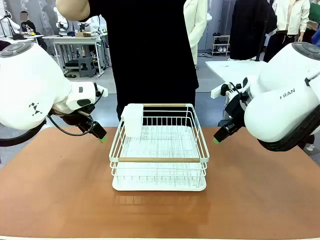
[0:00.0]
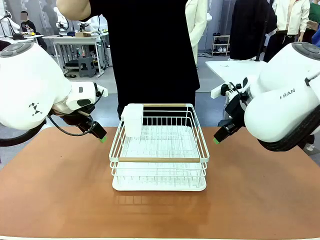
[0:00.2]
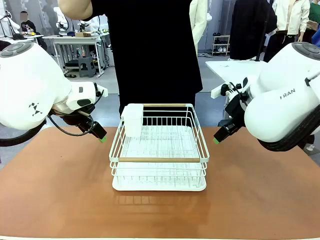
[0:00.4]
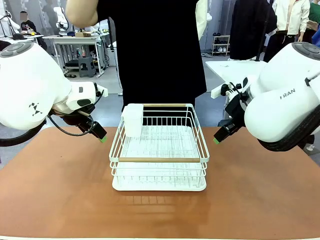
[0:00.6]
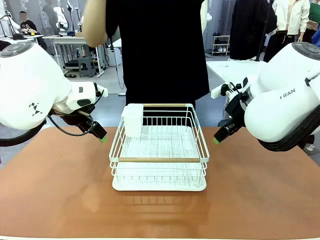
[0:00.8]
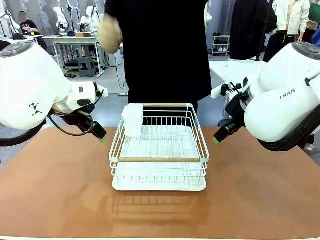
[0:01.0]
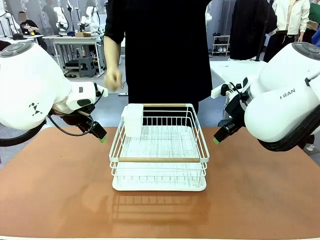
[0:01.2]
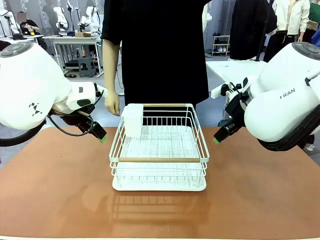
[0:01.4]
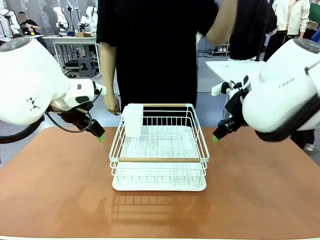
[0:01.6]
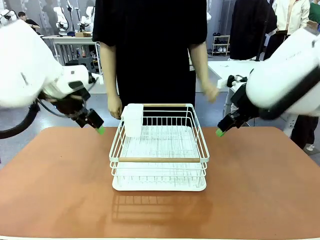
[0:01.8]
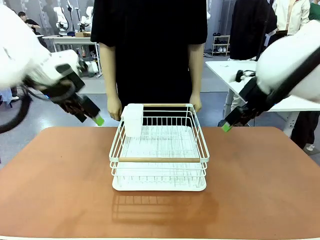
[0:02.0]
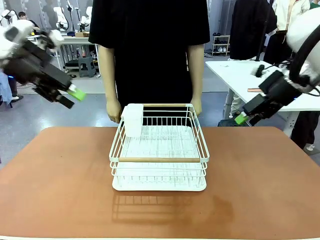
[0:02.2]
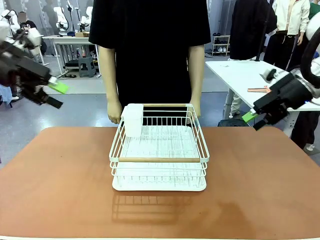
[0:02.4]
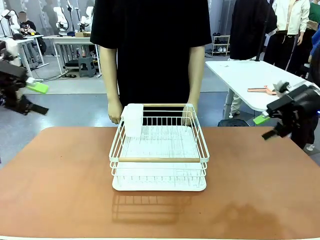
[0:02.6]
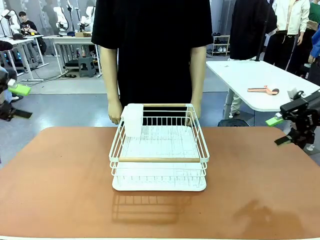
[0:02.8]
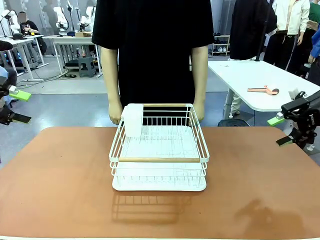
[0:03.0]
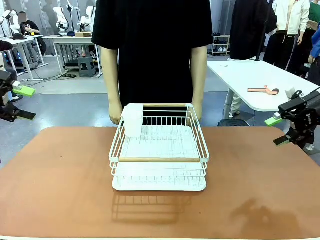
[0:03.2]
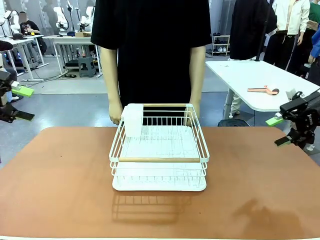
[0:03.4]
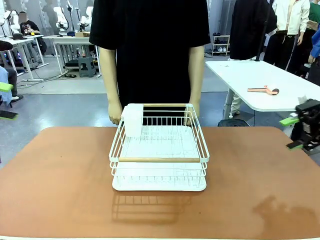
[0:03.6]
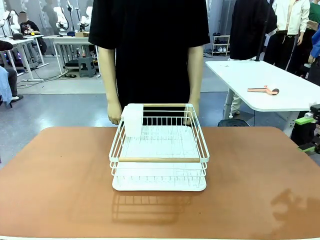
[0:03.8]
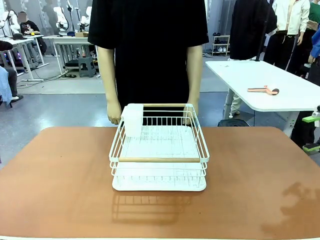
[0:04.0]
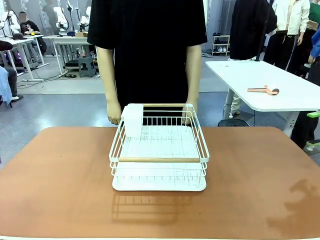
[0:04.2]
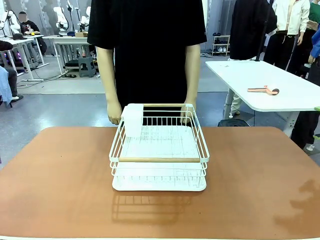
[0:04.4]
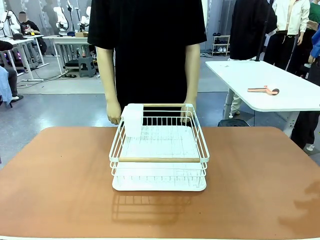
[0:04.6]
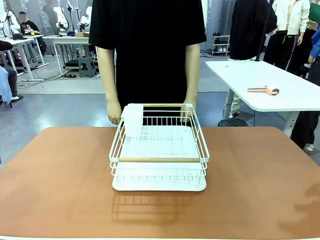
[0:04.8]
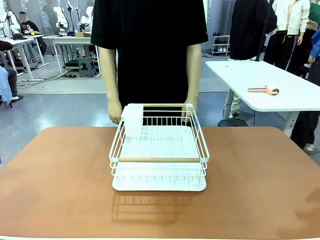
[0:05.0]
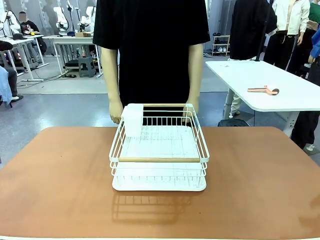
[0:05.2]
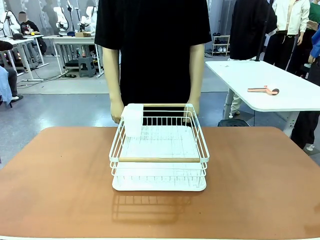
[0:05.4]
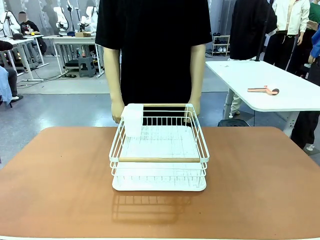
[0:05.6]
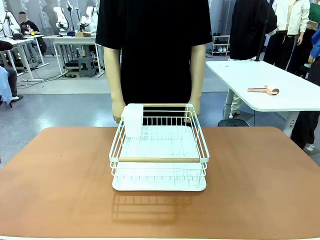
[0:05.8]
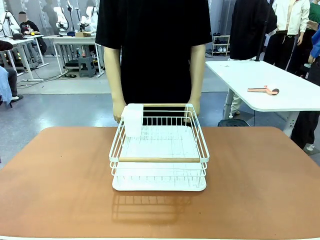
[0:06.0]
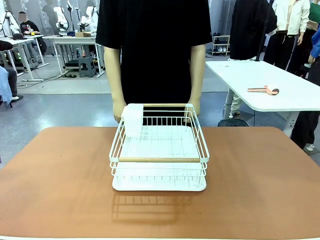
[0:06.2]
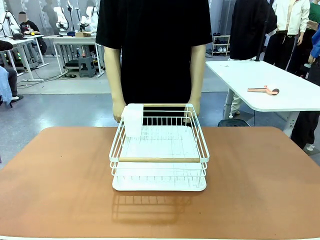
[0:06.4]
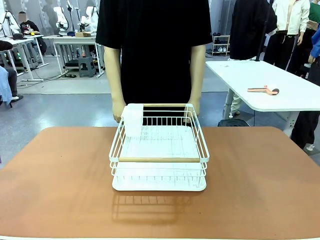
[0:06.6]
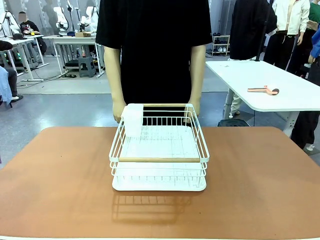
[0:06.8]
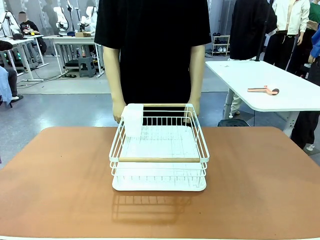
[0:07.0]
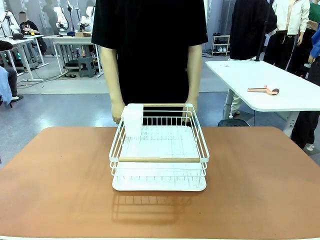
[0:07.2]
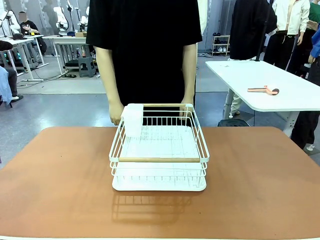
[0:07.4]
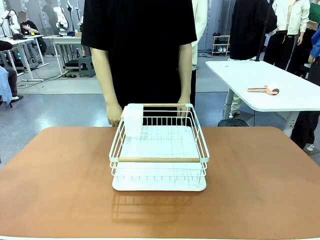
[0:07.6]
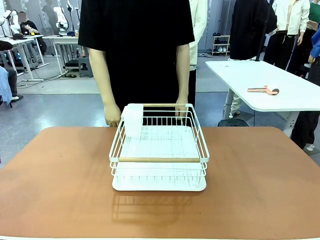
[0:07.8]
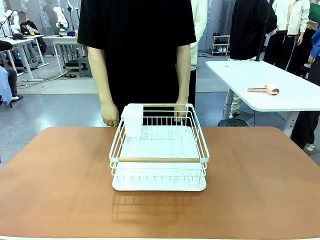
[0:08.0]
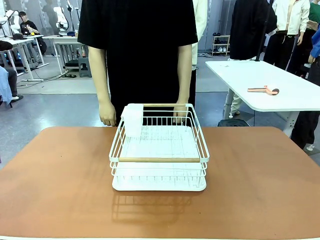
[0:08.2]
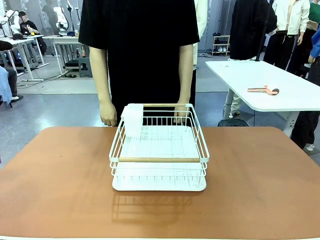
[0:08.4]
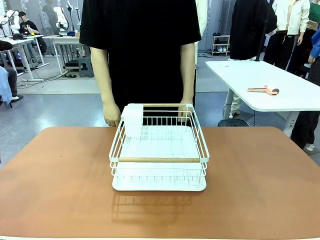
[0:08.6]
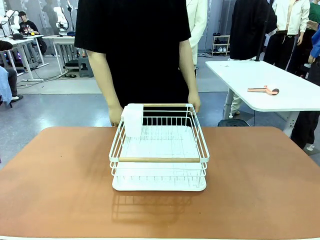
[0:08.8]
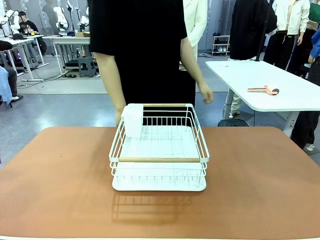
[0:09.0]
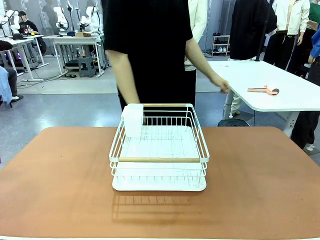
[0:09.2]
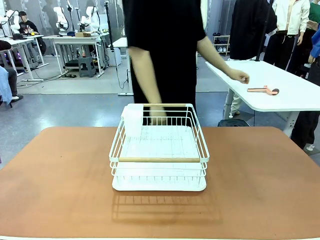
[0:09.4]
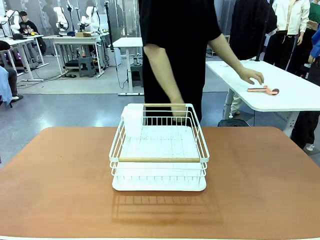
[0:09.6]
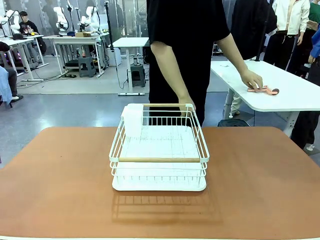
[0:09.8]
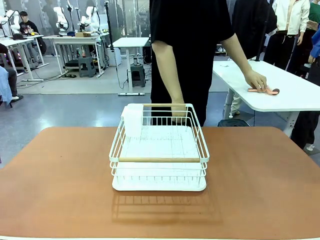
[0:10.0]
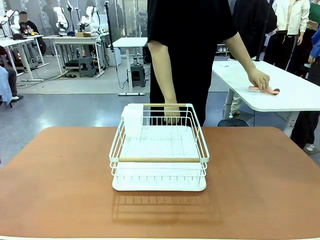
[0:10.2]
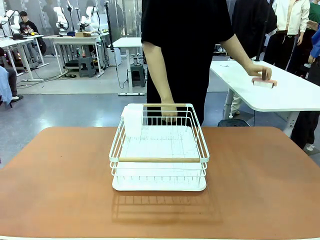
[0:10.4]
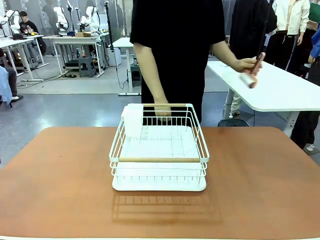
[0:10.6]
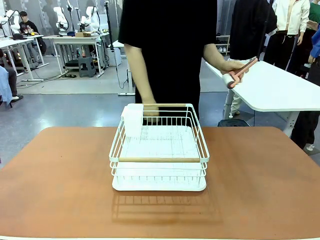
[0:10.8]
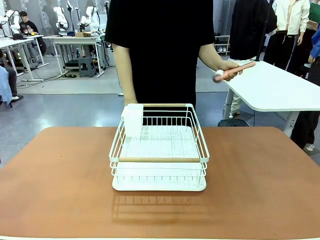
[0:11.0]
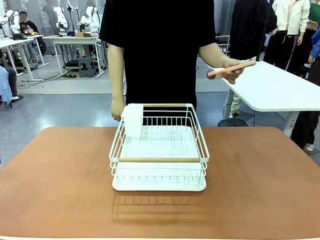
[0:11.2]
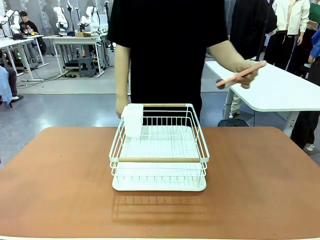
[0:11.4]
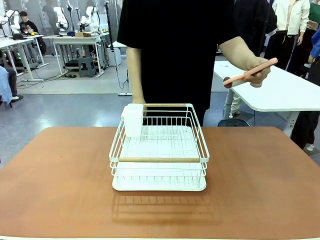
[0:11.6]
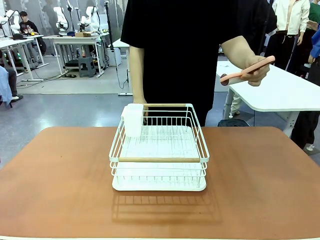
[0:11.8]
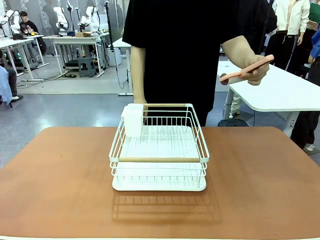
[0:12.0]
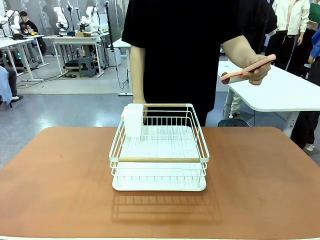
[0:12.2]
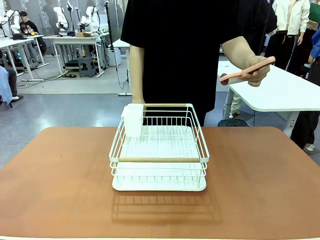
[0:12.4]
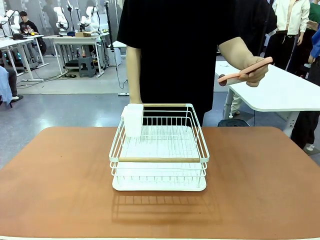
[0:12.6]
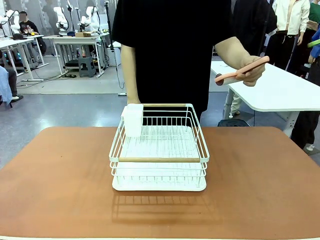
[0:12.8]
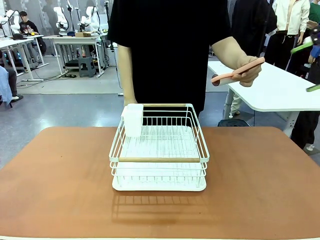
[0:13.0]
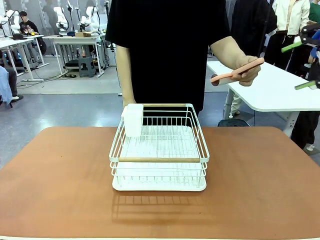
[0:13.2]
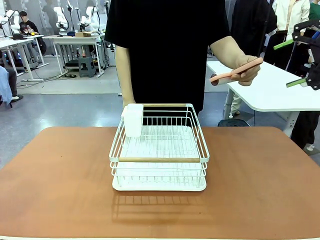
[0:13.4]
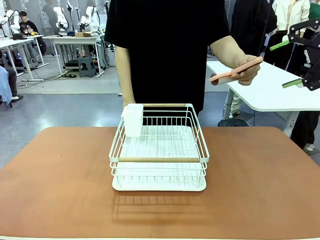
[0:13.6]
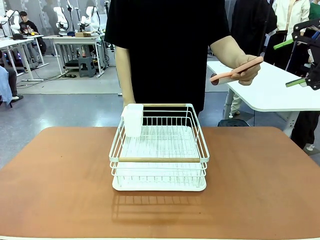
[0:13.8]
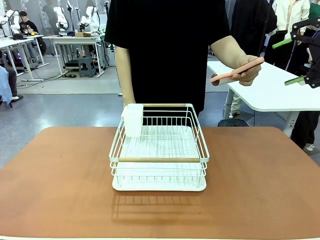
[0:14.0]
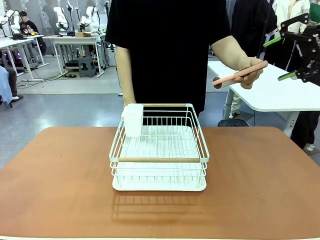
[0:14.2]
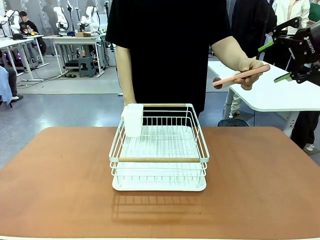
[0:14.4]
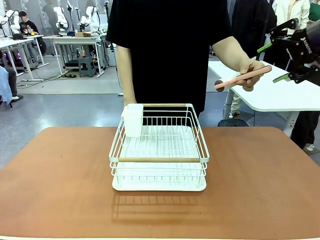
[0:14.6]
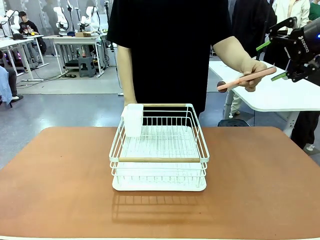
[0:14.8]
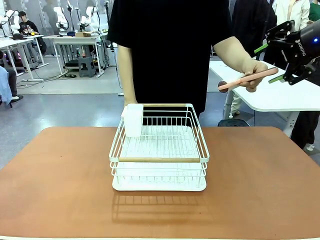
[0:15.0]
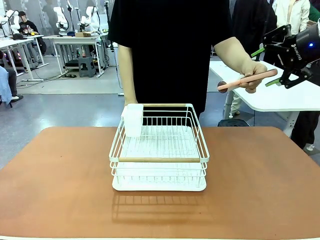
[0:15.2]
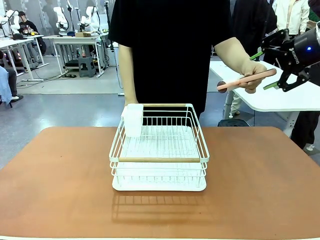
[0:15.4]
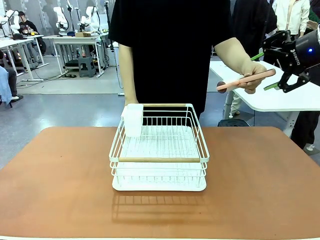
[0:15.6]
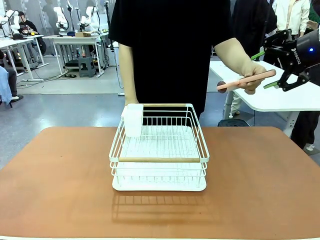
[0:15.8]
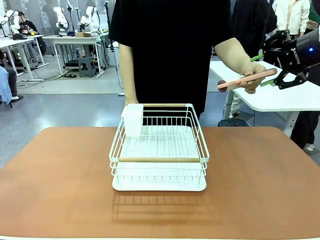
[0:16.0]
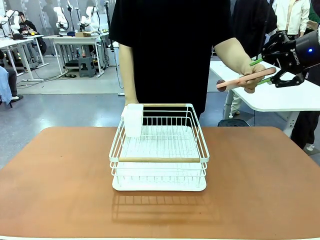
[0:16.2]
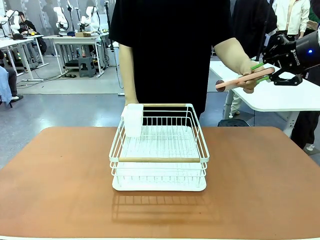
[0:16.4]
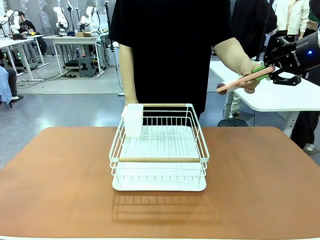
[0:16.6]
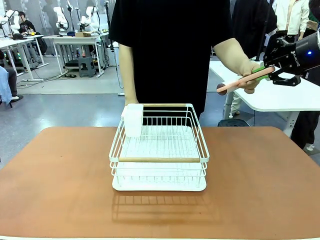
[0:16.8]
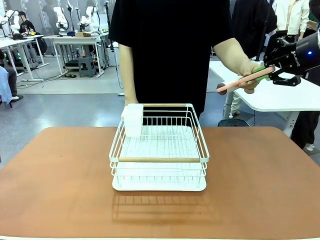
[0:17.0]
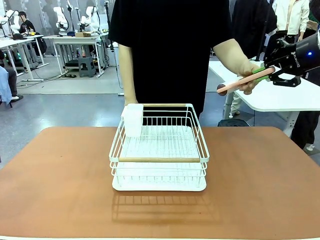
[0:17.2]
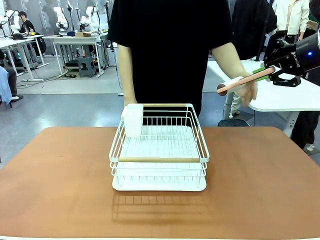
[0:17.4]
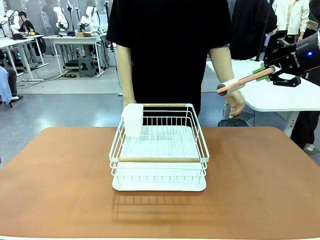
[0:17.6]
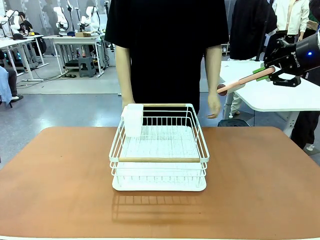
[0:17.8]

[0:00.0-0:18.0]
Task: Clean the table.
Robot: Pick up the Lint Roller when the human hands it over.
Person: Hand the Lint Roller to the robot so it can easily pick it up. Lift the Dish drying rack.
